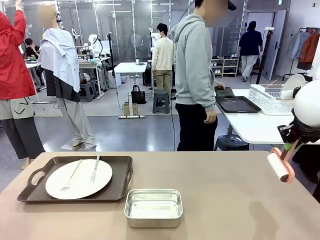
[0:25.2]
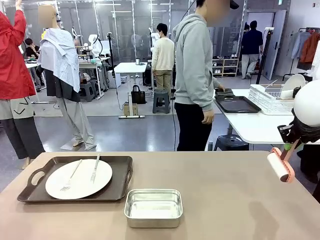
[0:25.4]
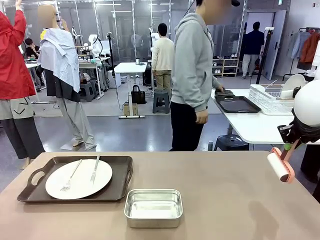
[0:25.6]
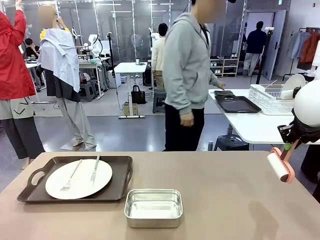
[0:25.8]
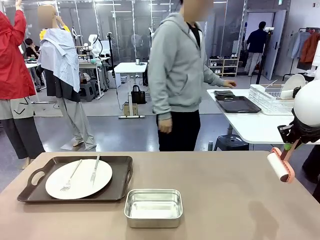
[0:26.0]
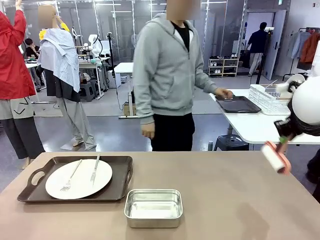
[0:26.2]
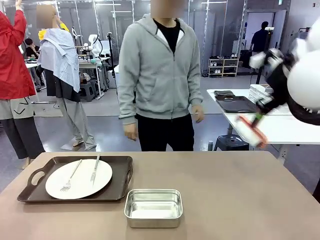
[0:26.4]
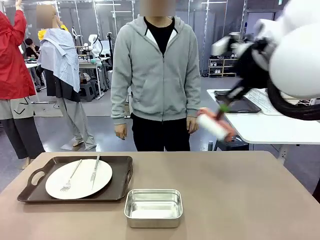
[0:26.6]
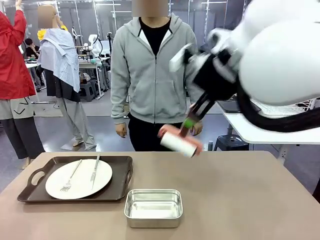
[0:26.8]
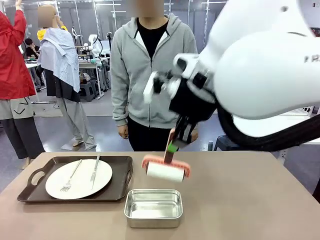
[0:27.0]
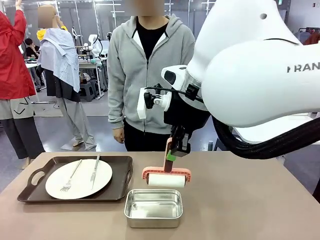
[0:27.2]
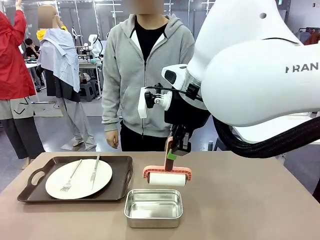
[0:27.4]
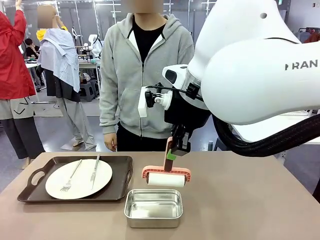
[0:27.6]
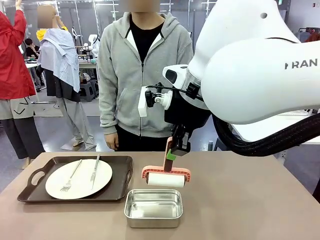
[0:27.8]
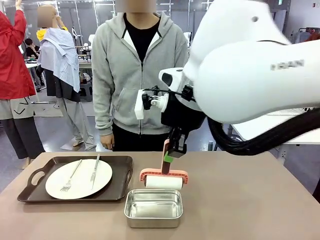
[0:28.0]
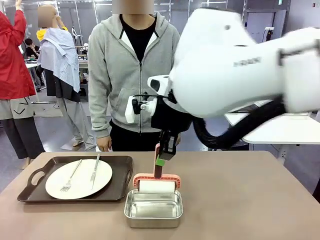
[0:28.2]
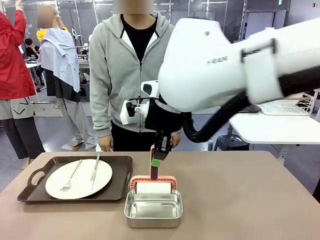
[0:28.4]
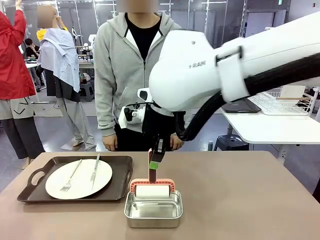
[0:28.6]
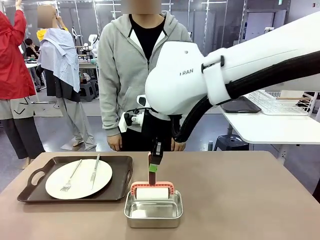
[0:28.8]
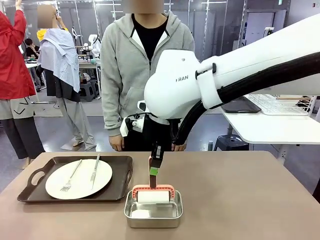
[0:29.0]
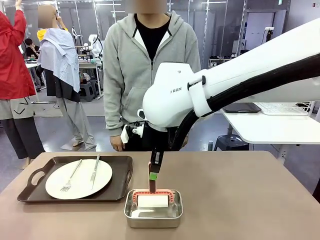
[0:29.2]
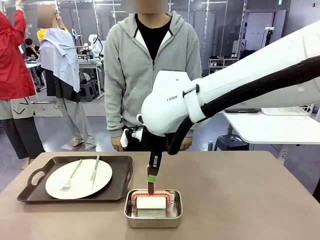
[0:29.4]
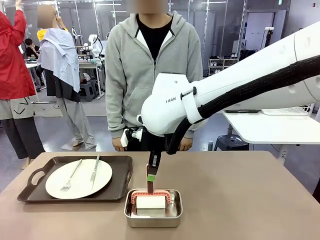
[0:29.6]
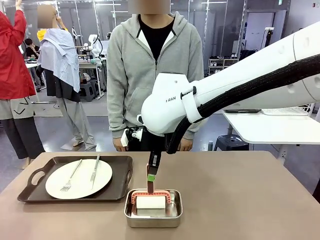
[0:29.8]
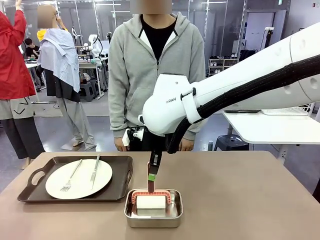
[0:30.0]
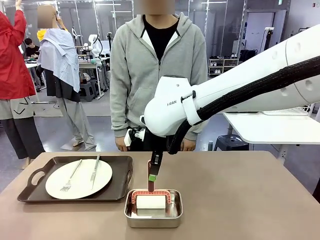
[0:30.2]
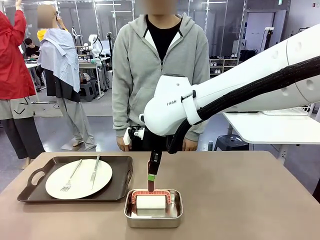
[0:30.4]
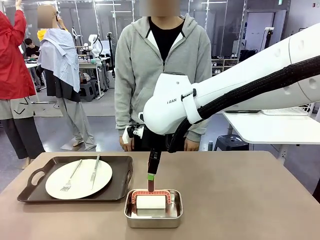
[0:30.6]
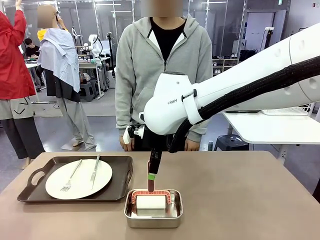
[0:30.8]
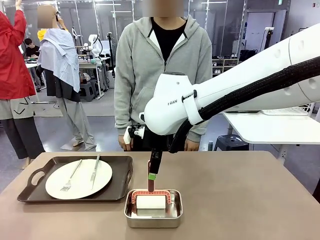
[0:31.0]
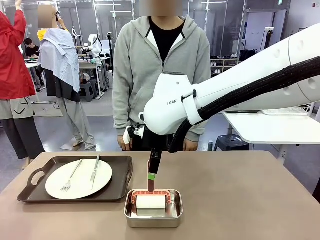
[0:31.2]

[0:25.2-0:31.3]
Robot: Place the Lint Roller back on top of the Airtight Container.

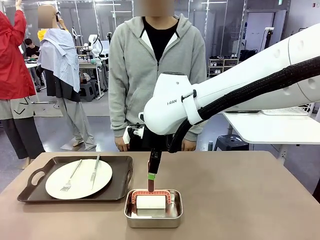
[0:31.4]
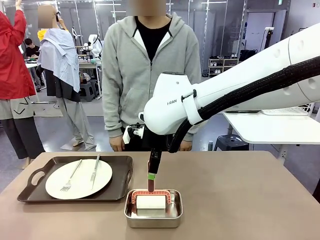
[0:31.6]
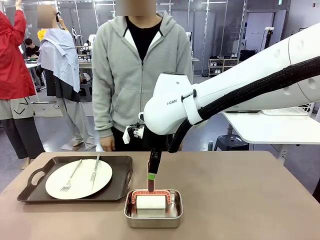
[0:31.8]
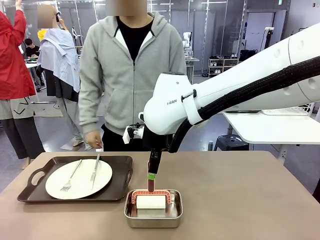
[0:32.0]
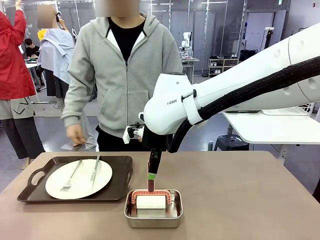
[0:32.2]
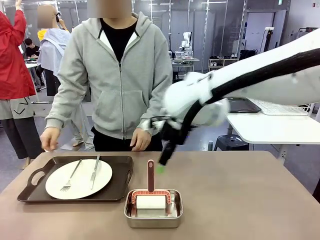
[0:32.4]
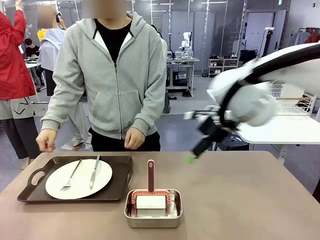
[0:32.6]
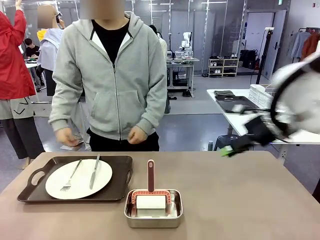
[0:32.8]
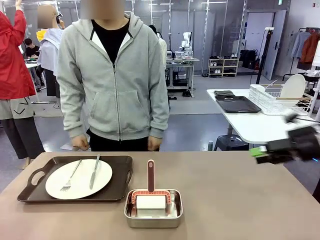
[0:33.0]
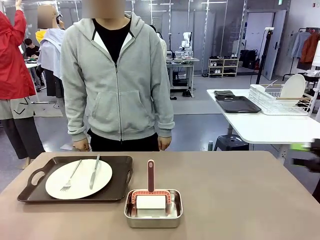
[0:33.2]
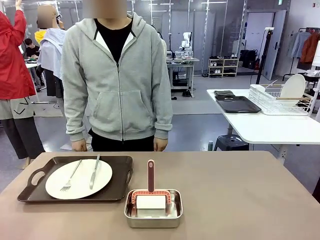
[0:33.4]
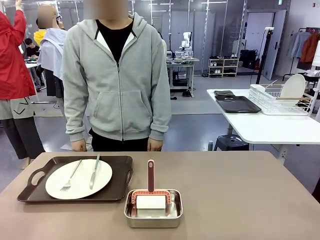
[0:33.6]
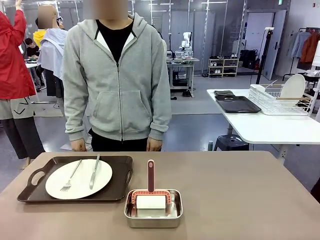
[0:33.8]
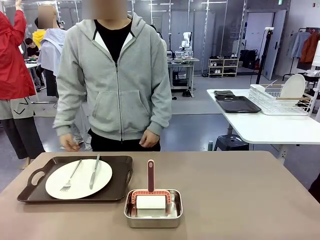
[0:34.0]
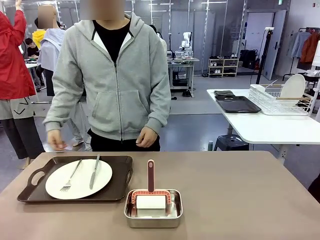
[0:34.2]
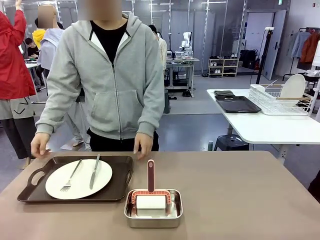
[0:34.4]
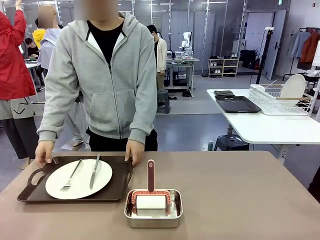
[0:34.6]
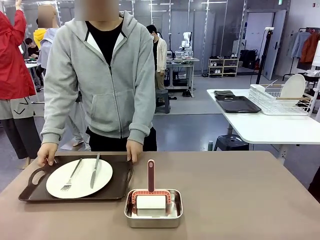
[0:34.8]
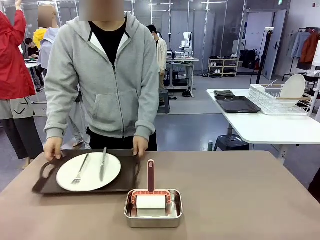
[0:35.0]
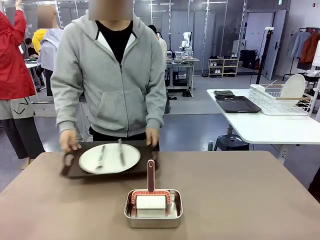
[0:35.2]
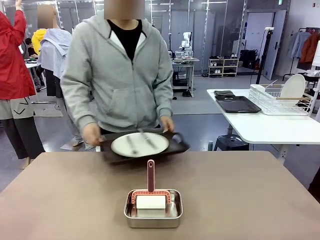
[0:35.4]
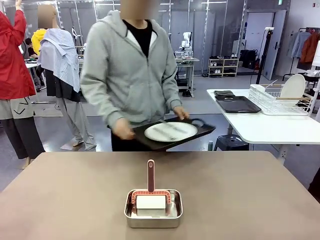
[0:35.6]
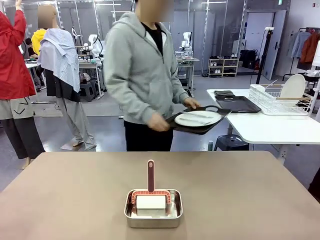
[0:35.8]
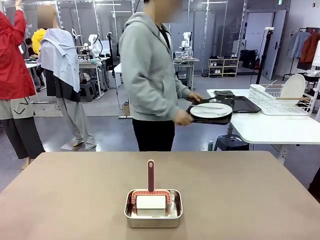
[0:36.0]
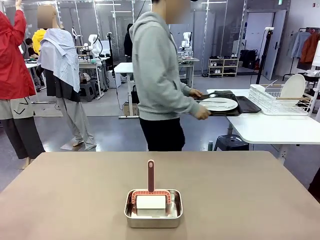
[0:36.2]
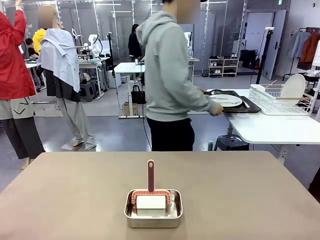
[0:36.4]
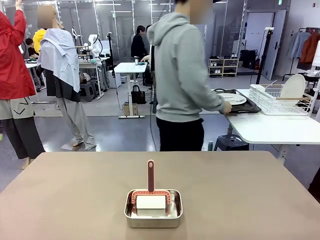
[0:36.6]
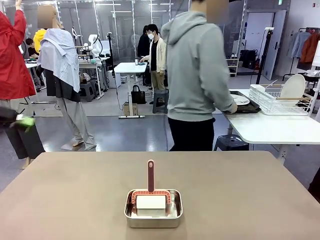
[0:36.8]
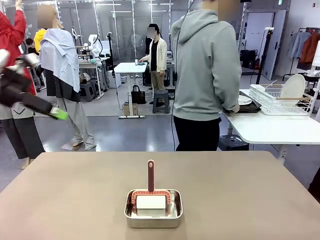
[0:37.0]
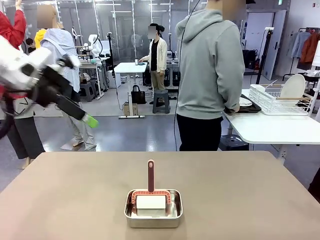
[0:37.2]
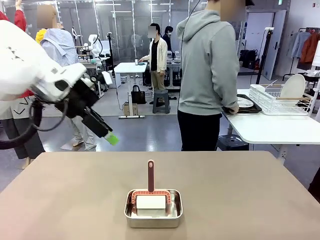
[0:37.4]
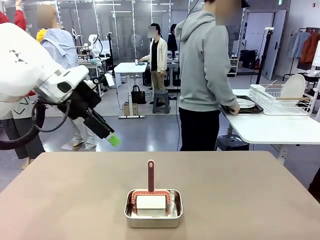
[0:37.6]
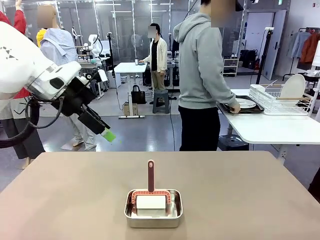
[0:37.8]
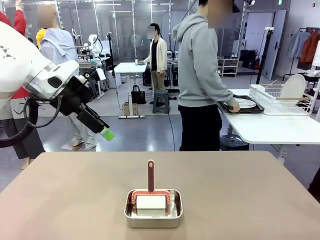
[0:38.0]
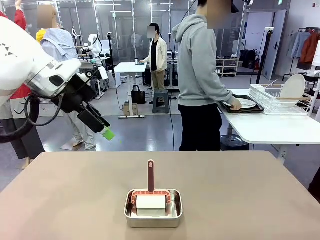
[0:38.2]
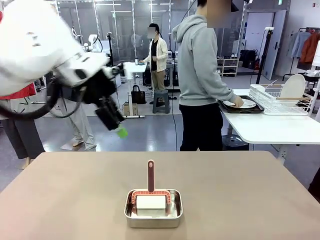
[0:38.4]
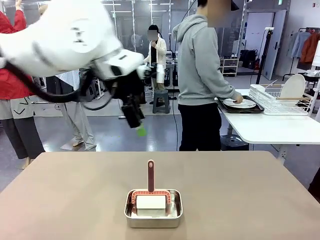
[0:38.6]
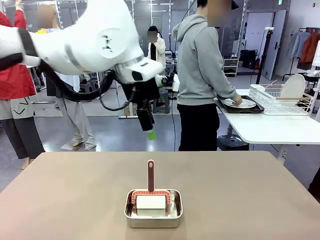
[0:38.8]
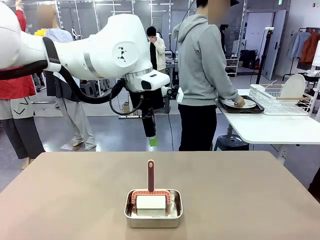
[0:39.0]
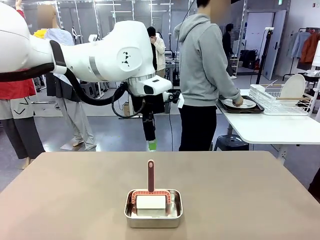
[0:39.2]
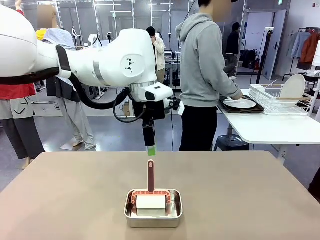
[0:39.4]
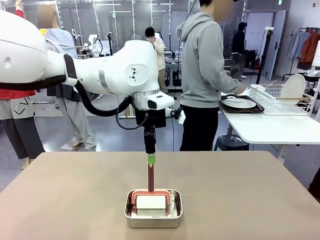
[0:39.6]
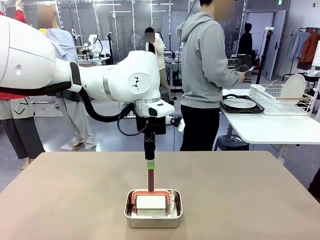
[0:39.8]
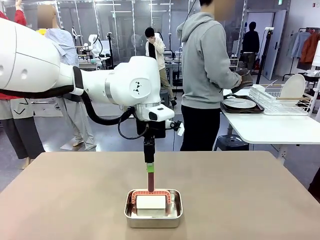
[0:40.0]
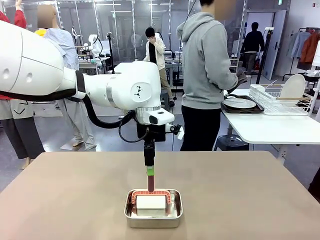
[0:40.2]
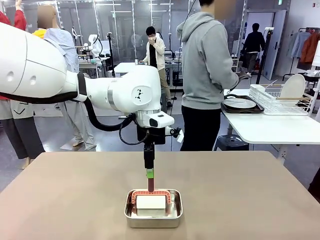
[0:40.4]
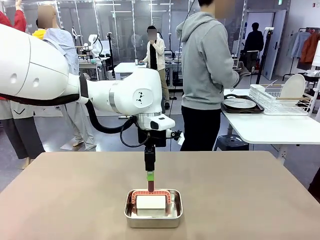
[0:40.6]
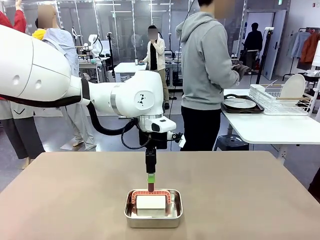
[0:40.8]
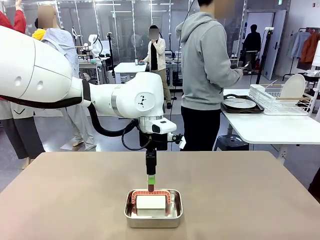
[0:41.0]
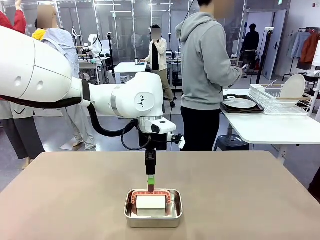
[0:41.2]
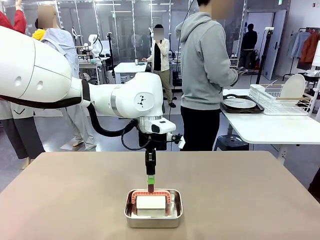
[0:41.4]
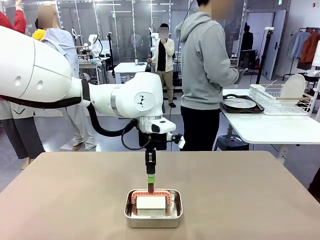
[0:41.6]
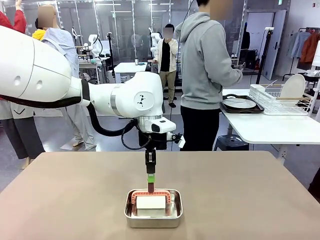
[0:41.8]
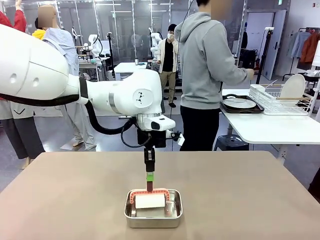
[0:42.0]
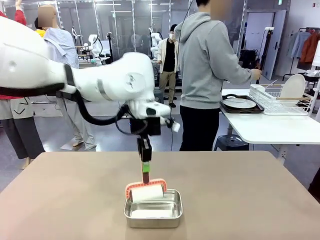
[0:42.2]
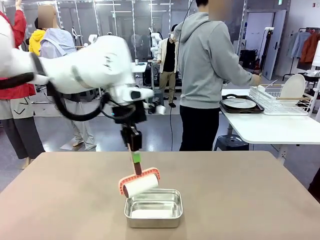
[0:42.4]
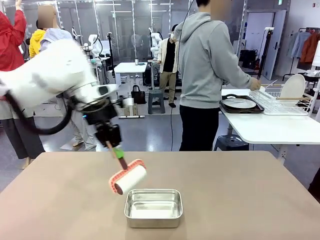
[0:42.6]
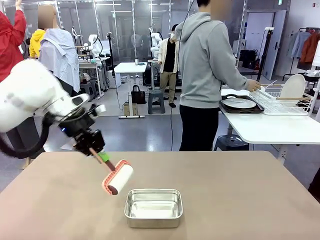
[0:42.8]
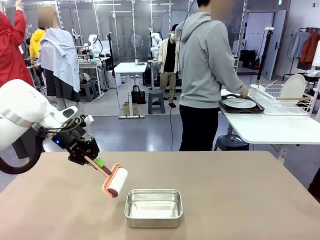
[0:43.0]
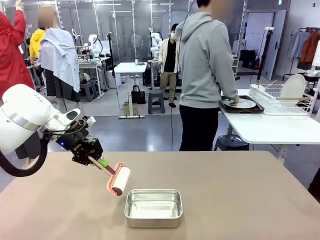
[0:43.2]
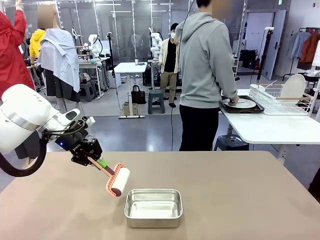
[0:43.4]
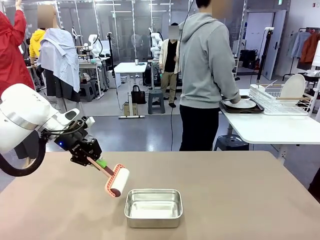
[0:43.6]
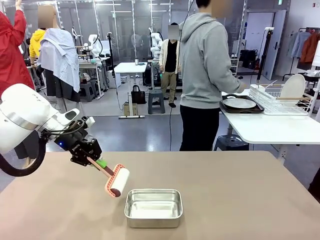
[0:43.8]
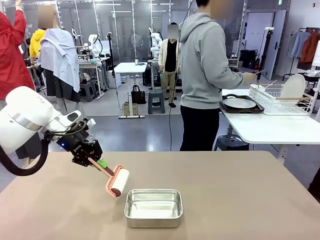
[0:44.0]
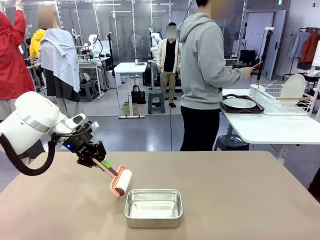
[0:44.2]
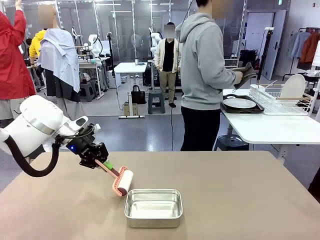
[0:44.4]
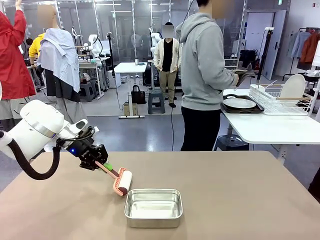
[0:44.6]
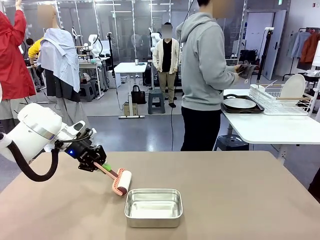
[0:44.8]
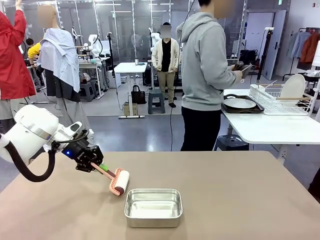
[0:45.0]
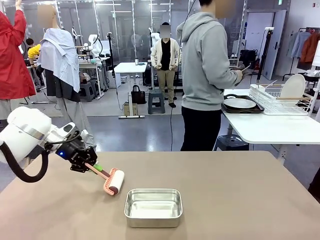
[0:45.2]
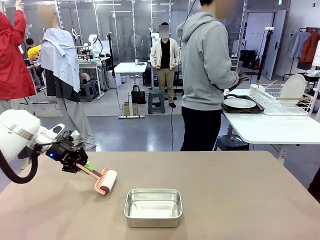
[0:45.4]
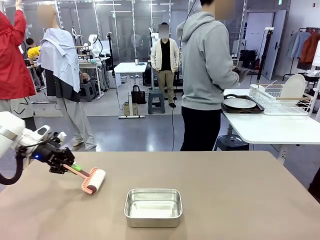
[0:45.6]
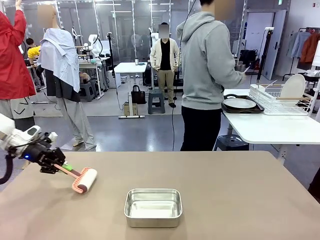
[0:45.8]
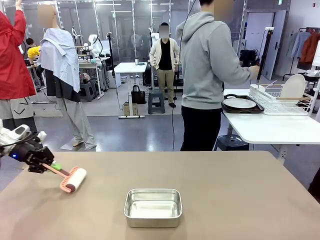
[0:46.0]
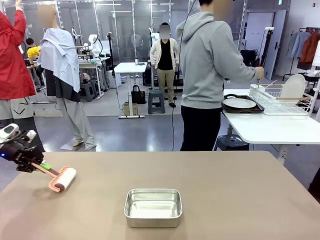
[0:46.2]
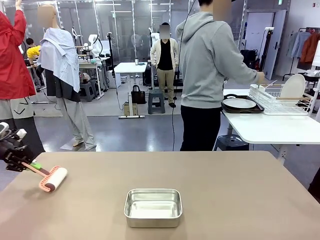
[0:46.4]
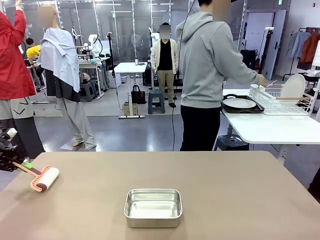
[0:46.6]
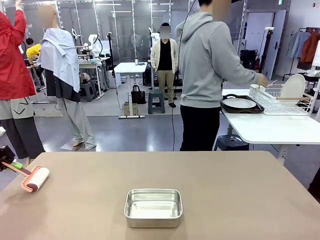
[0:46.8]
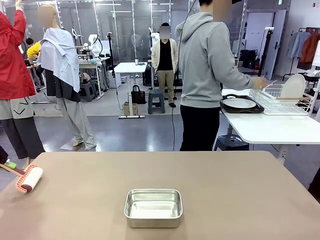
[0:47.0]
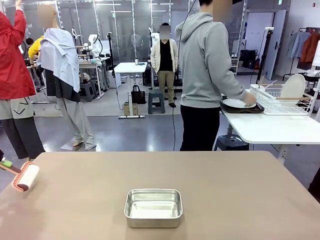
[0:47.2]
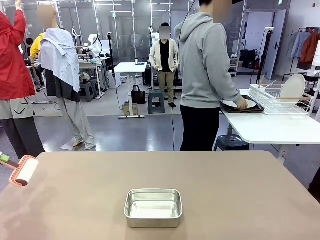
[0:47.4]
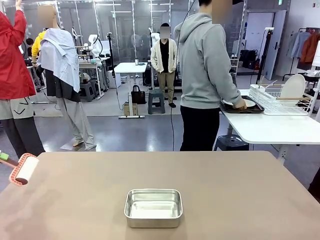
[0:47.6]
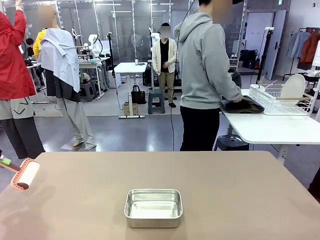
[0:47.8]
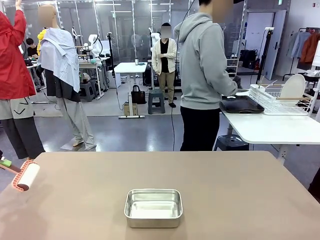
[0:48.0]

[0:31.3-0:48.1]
Robot: When the right (or left) Handle tray is removed, use the right hand (or left hand) to clean the right (or left) side of the table with the Lint Roller.
Person: Pick up the left (or right) Handle tray and place it on the Handle tray.
